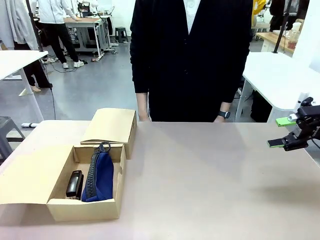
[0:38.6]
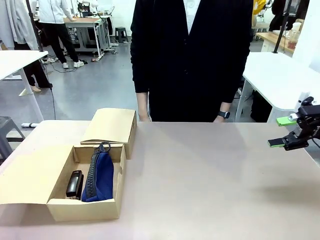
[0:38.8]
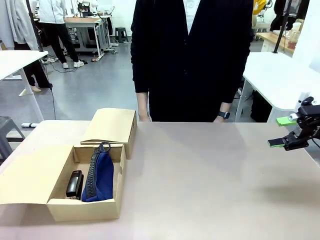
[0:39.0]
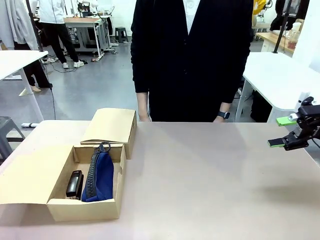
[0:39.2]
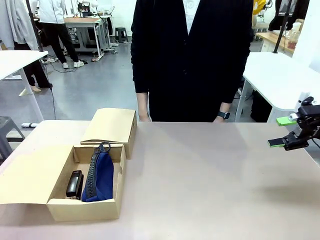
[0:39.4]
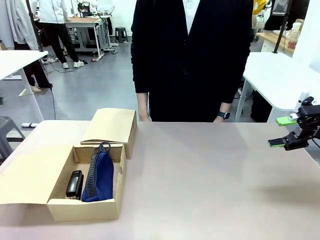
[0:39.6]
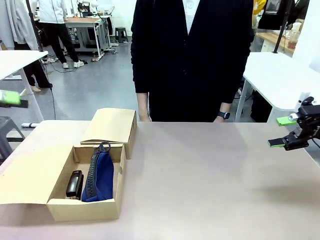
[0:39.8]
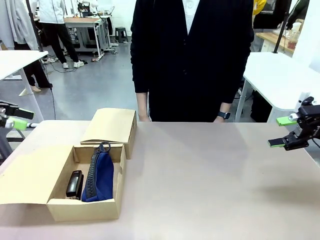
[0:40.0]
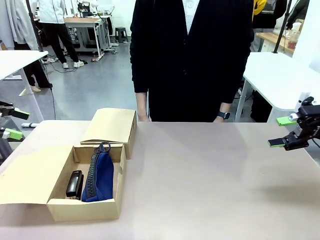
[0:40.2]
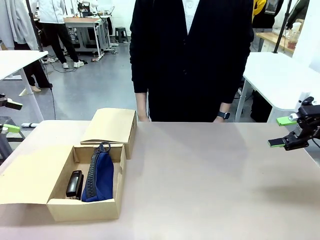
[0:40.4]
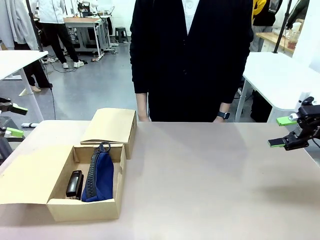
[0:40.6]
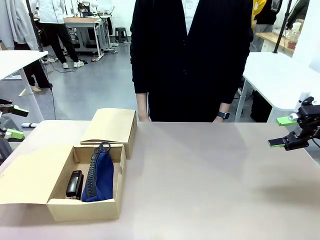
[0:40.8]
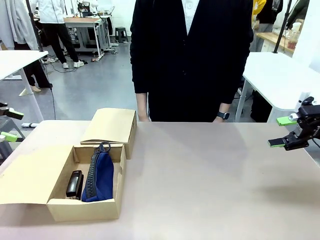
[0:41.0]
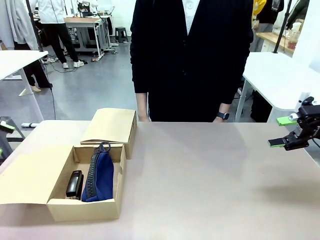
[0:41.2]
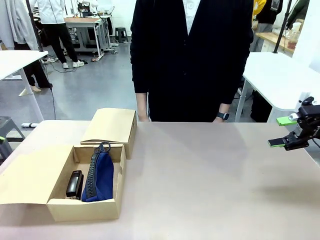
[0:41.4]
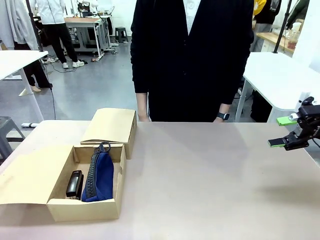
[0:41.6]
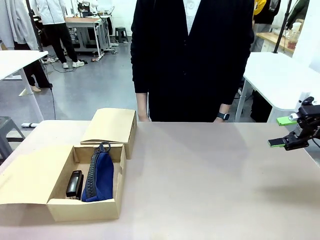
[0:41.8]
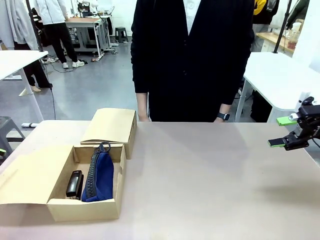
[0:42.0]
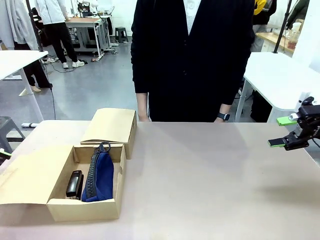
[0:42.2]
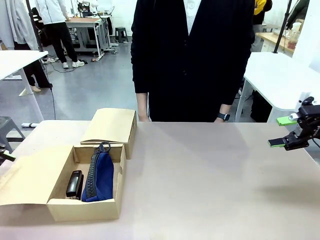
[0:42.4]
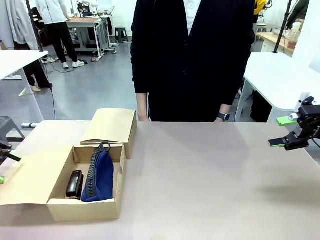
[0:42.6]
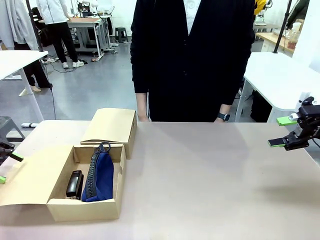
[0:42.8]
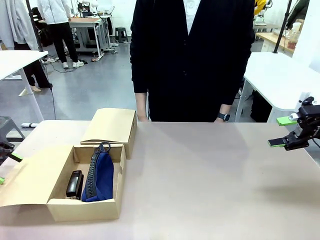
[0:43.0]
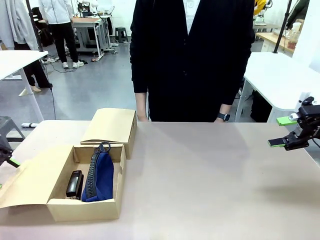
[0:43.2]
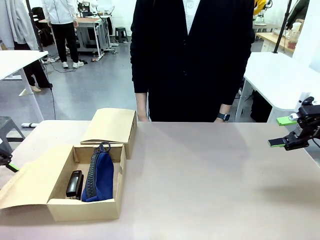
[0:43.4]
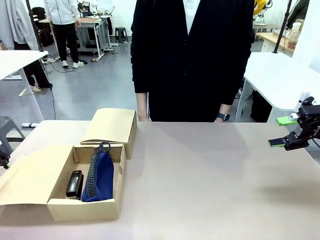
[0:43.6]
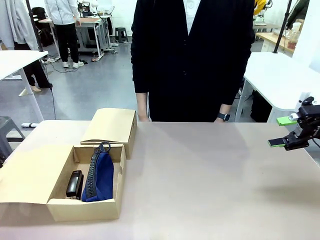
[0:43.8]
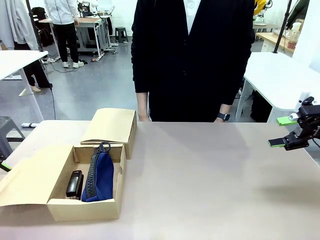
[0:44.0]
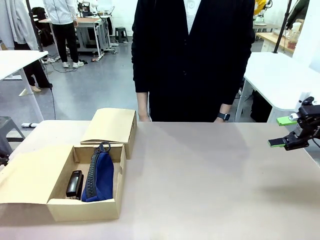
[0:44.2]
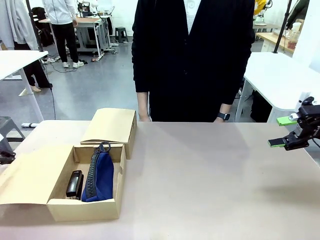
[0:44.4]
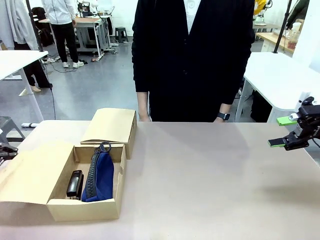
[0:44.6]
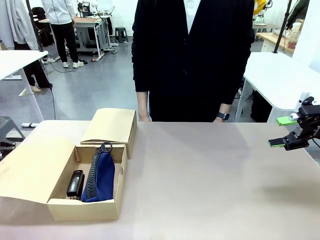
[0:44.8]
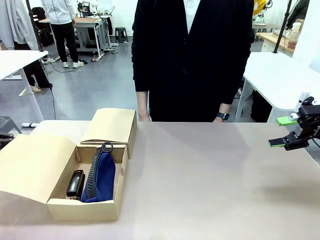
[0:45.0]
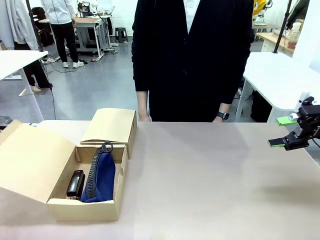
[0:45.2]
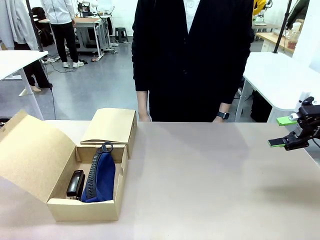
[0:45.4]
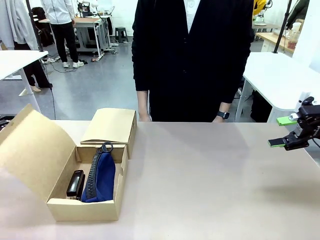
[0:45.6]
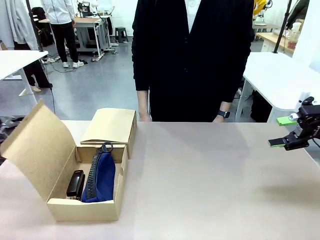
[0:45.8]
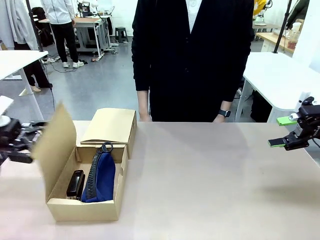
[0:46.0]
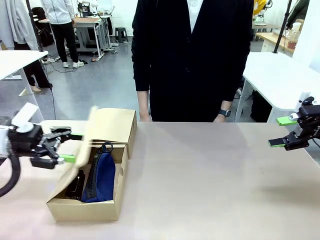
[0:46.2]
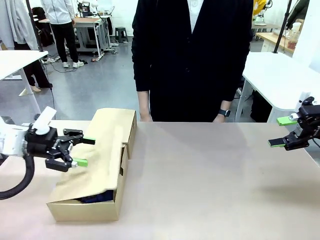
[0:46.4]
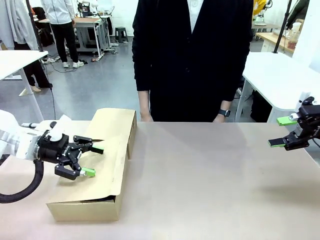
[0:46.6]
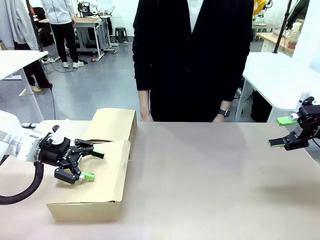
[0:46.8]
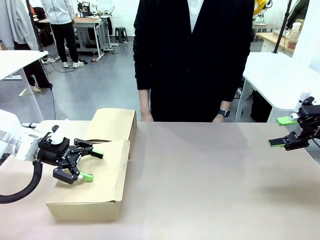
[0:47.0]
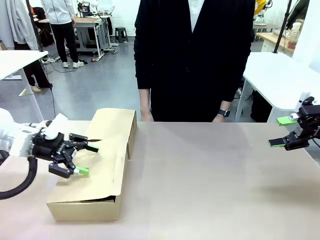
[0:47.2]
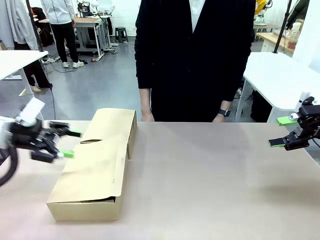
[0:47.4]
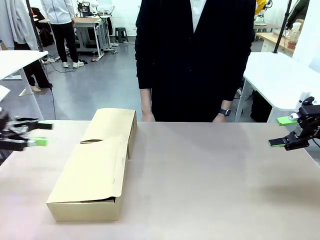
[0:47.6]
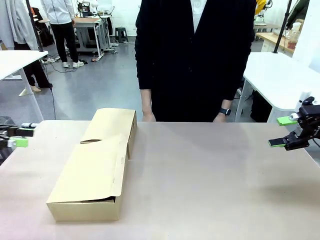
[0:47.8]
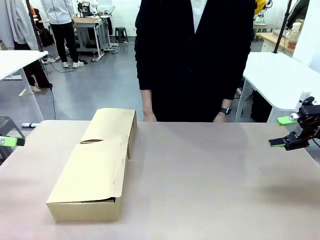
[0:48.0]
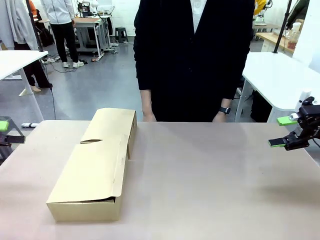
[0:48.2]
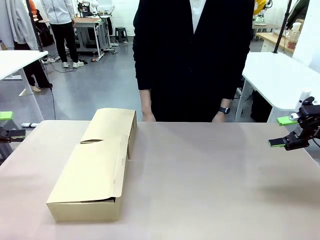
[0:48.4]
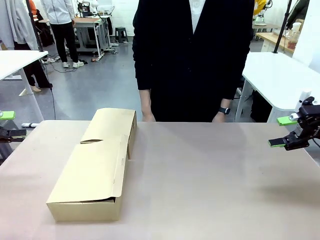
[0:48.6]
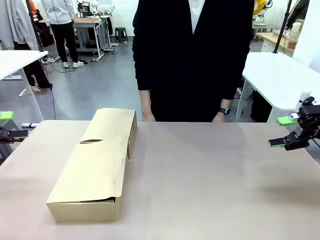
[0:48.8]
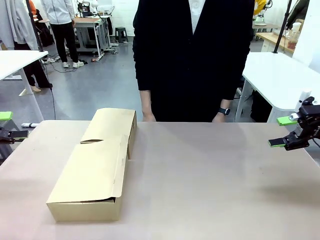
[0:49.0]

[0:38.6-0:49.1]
Task: Place items inside the box.
Robot: Close the lid of the Mailer Box closest to the robot.

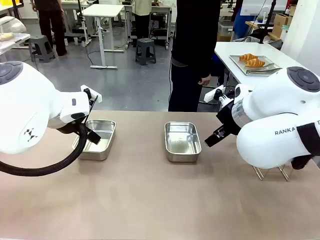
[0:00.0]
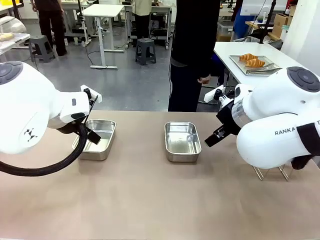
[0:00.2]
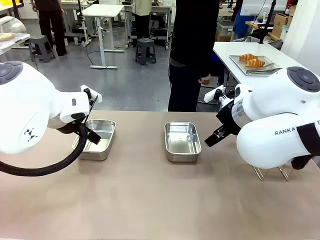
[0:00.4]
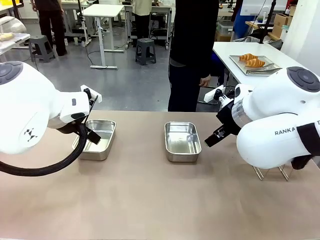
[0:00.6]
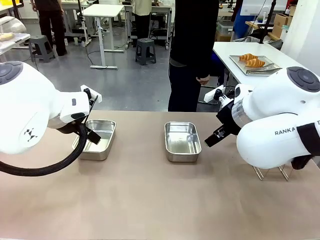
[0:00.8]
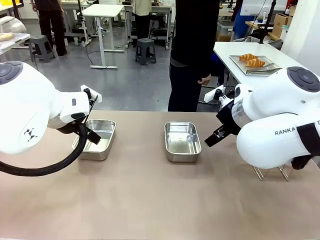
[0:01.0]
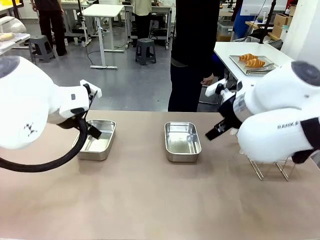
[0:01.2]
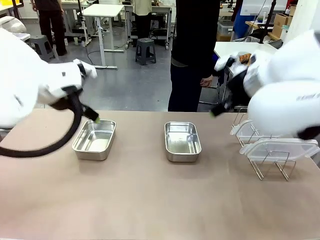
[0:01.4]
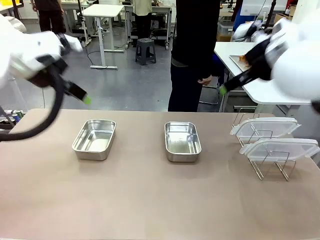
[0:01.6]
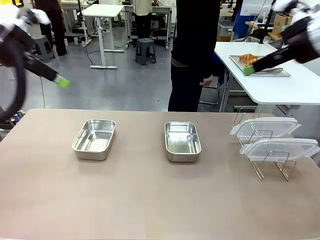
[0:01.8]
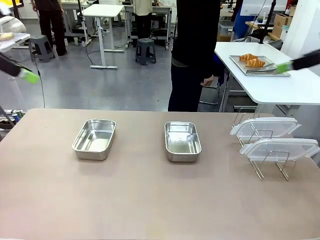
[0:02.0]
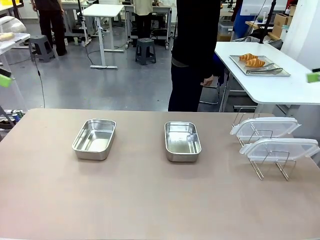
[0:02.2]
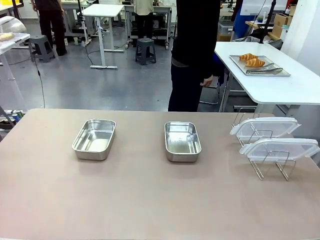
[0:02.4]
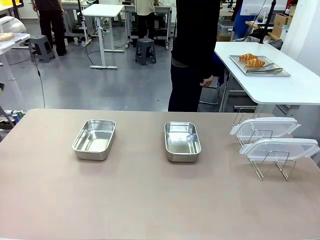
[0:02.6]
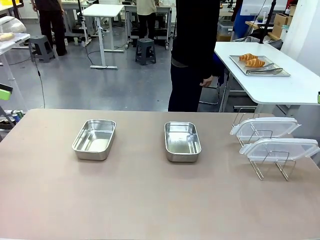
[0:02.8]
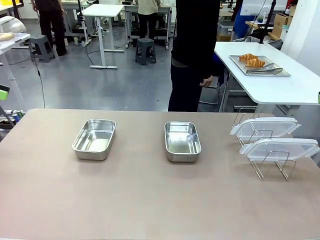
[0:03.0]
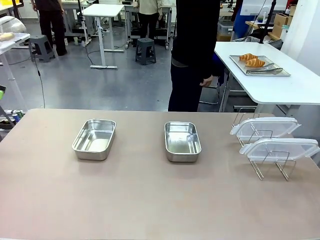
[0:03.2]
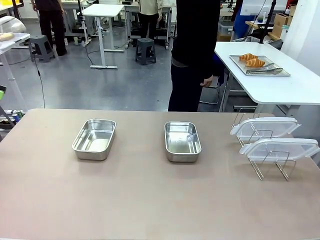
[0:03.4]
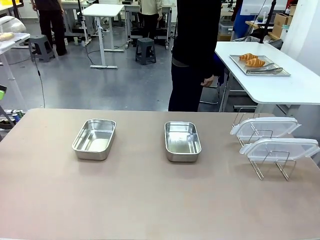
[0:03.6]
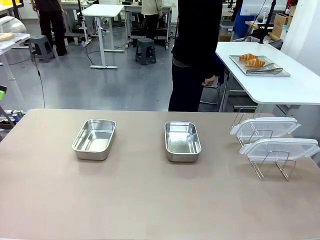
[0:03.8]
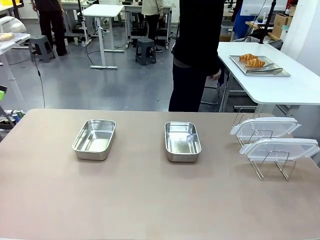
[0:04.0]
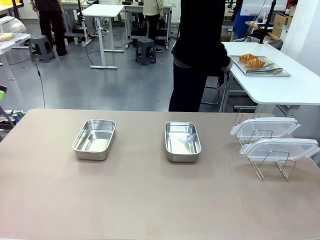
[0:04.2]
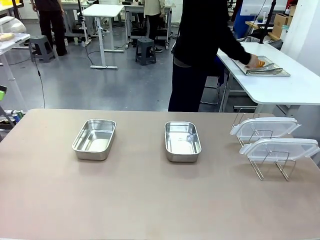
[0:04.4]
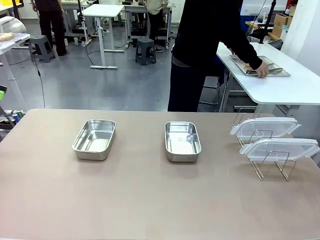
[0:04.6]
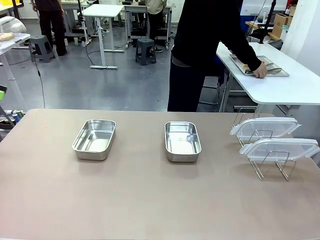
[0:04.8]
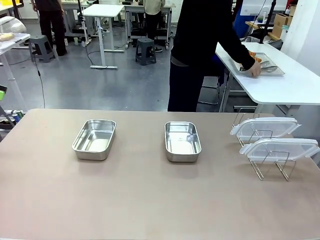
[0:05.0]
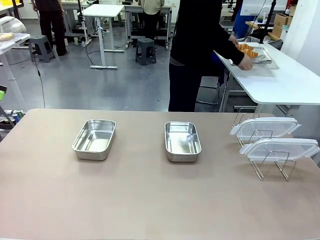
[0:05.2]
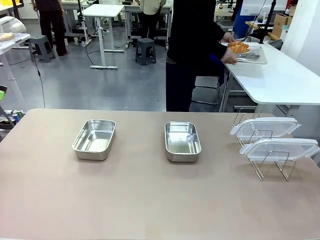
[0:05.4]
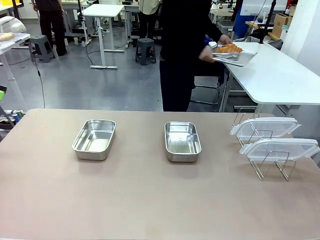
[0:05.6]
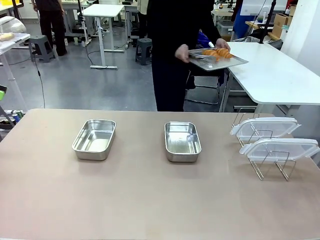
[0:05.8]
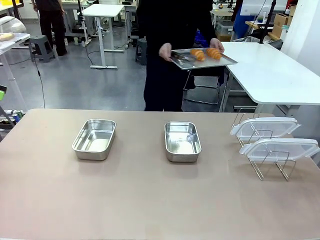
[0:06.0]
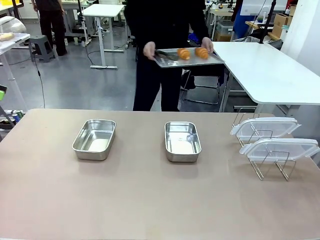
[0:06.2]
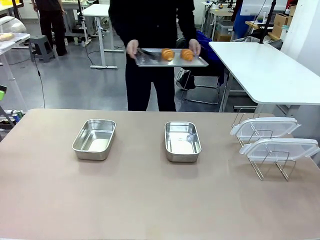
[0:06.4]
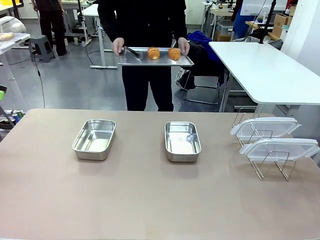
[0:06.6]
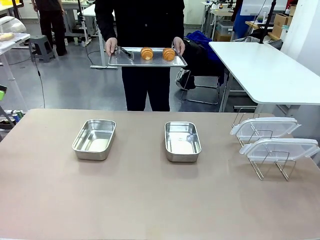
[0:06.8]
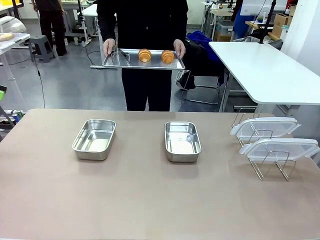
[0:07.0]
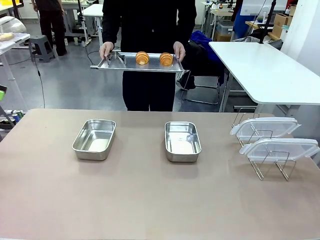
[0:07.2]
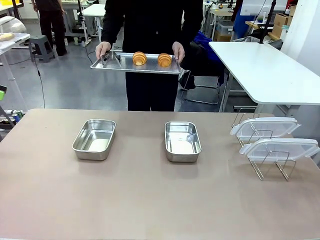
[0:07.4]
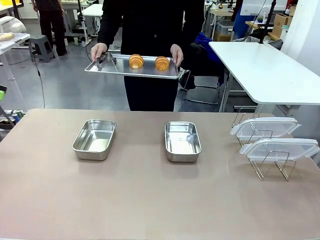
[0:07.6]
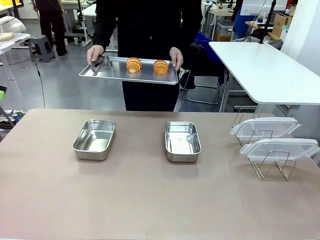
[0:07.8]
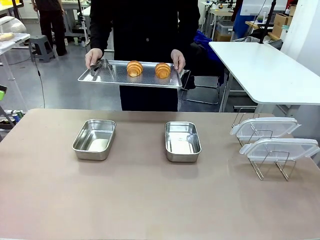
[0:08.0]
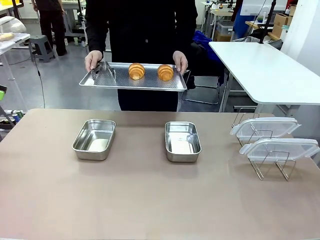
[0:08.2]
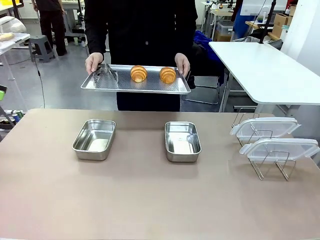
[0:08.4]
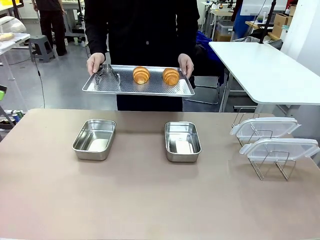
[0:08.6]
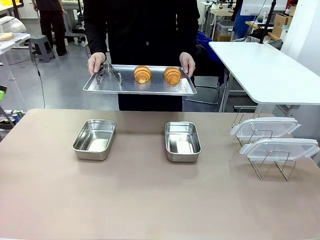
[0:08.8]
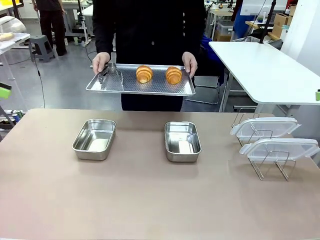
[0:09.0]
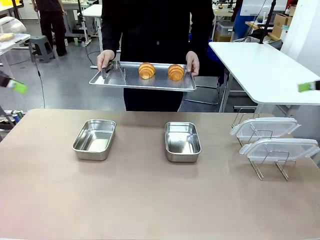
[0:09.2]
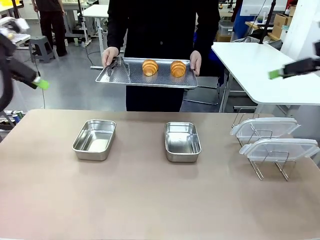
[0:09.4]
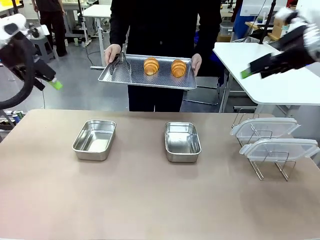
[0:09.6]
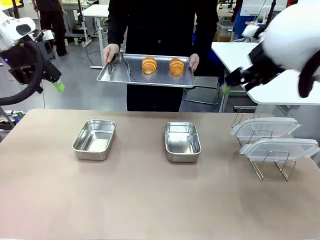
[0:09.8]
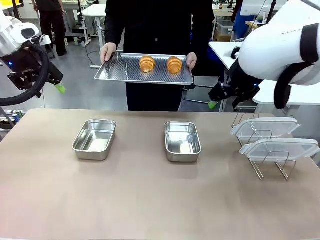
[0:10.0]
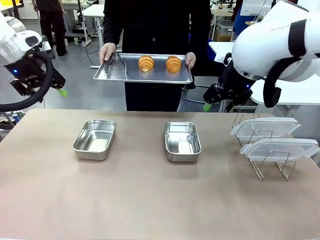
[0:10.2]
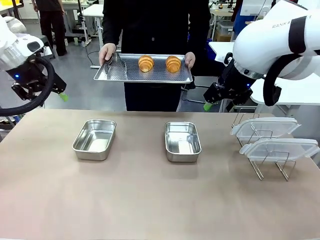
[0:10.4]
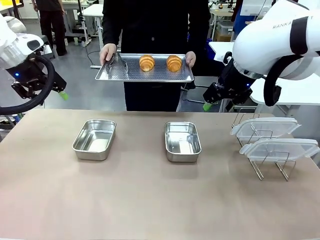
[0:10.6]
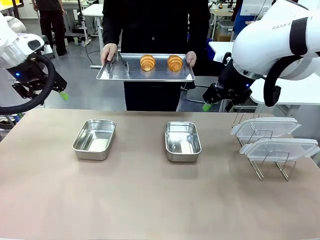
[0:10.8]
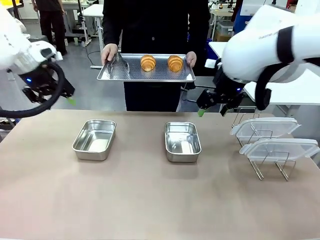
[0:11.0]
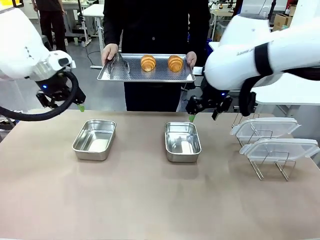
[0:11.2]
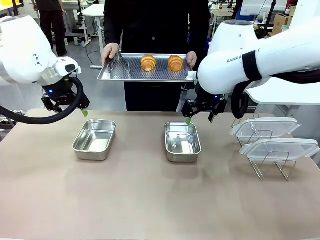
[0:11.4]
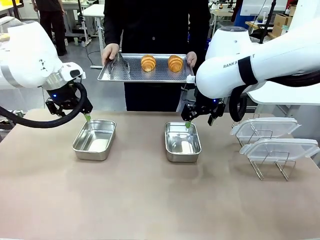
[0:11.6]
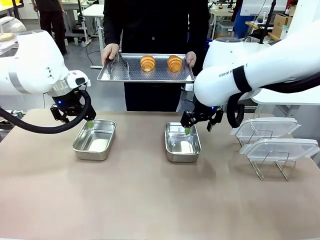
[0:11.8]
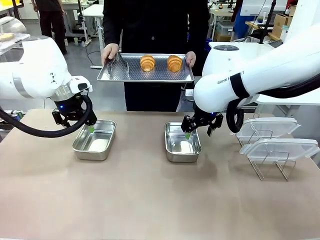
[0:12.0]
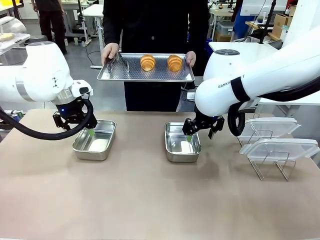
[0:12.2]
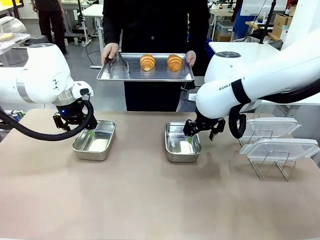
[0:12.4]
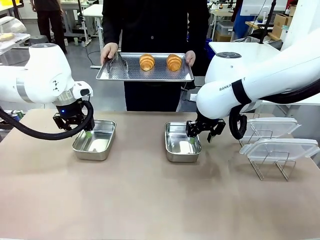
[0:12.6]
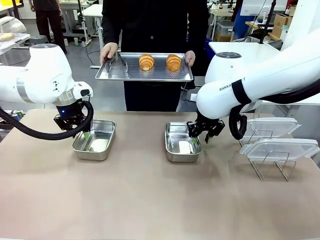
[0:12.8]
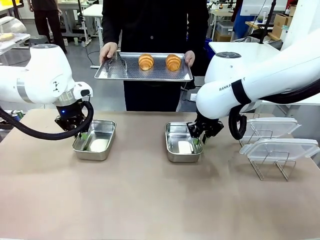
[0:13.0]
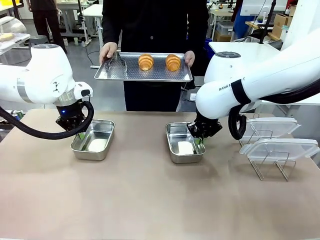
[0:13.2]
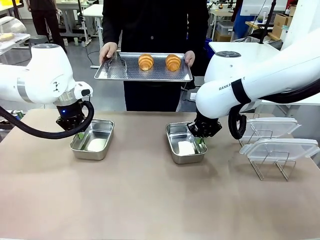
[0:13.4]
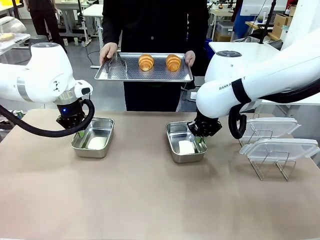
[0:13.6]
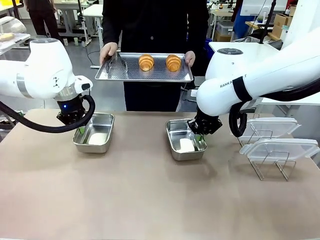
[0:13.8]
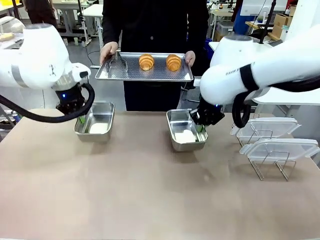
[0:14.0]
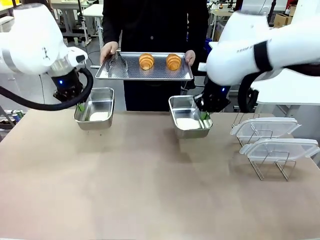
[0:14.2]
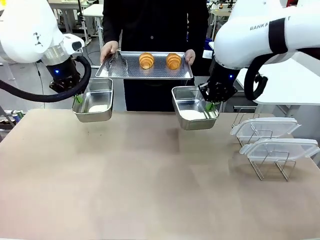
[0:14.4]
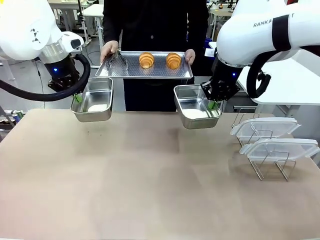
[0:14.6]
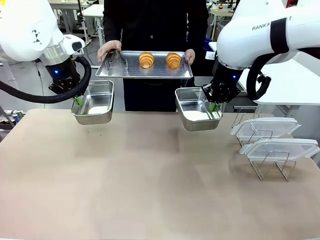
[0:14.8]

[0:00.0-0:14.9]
Task: Place the bread in airtight containers.
Robot: Lift both Airtight Container.
Person: Bring the Baking Sheet in front of Robot's Table.
